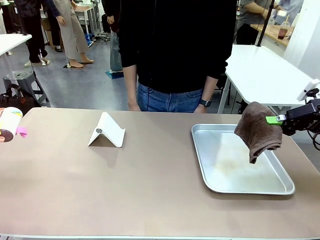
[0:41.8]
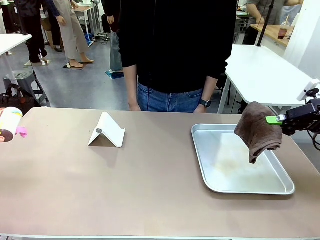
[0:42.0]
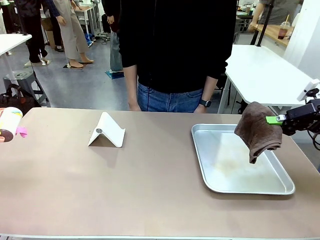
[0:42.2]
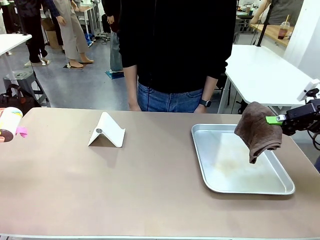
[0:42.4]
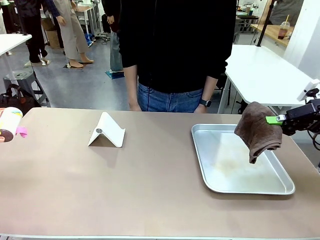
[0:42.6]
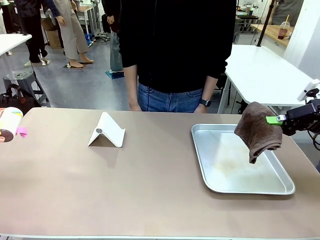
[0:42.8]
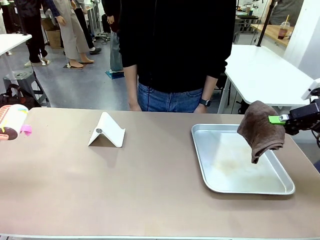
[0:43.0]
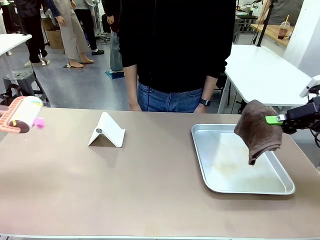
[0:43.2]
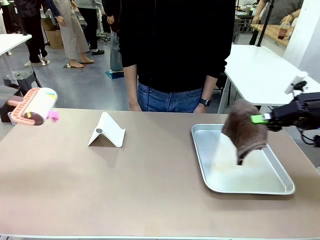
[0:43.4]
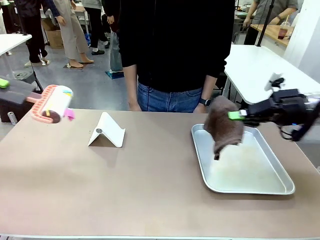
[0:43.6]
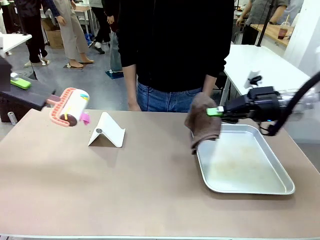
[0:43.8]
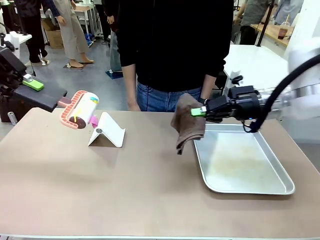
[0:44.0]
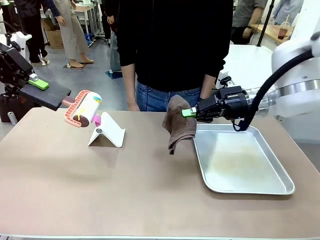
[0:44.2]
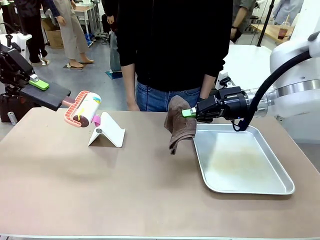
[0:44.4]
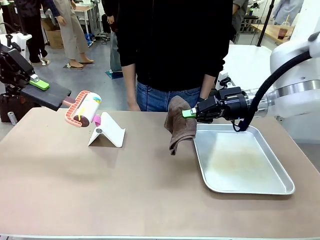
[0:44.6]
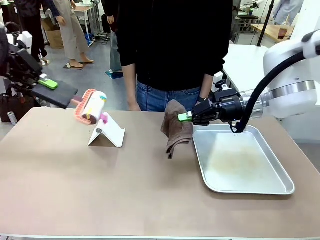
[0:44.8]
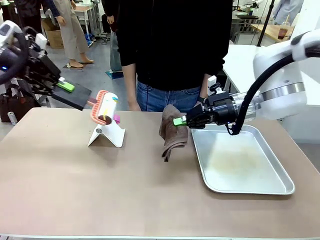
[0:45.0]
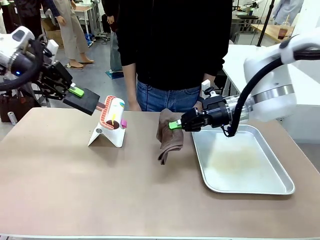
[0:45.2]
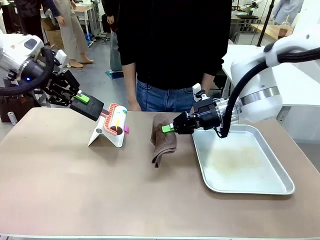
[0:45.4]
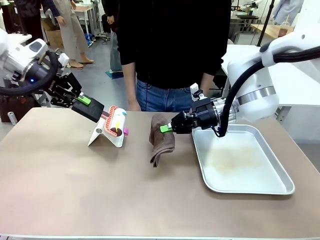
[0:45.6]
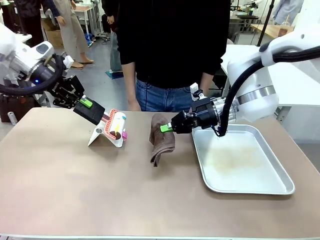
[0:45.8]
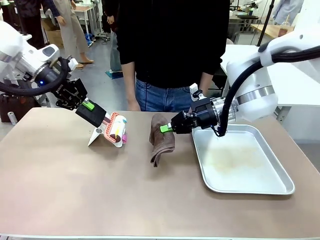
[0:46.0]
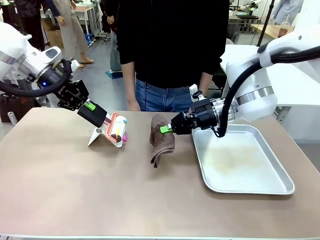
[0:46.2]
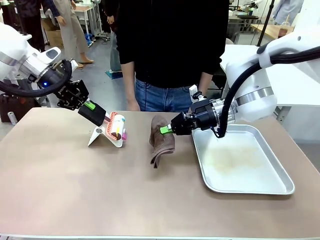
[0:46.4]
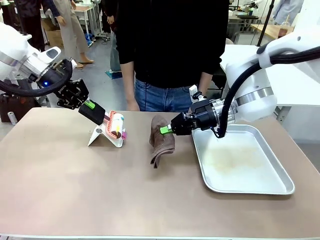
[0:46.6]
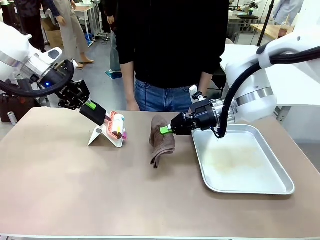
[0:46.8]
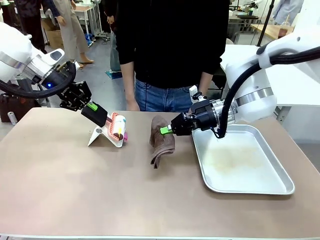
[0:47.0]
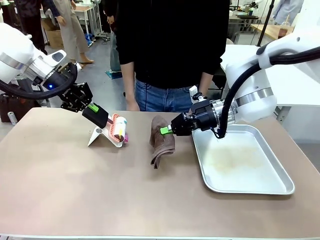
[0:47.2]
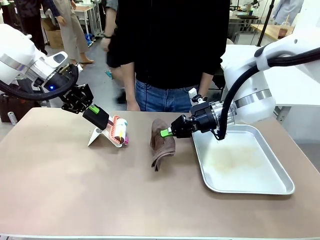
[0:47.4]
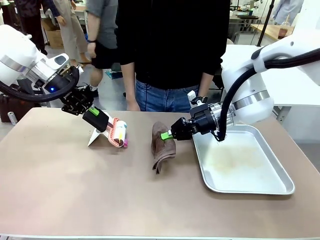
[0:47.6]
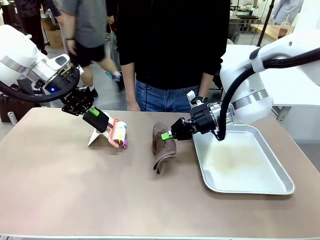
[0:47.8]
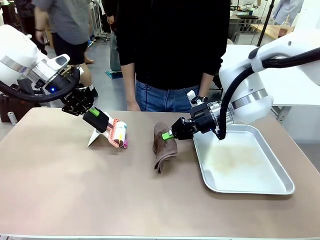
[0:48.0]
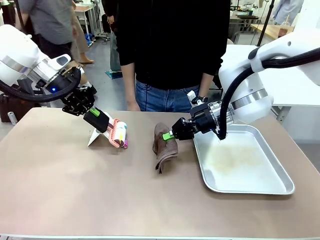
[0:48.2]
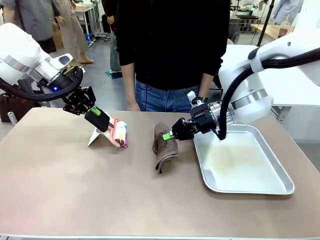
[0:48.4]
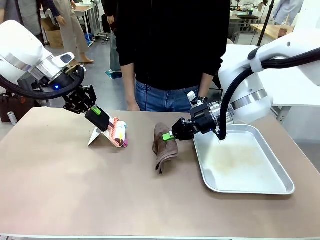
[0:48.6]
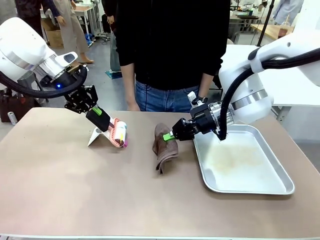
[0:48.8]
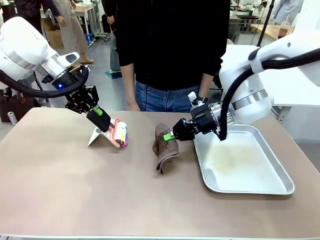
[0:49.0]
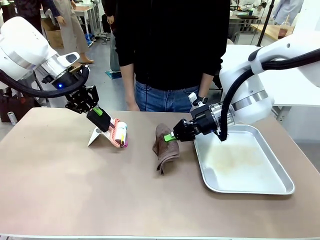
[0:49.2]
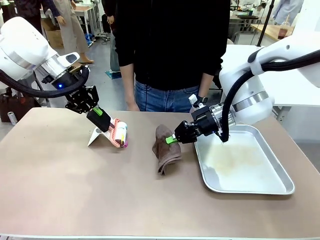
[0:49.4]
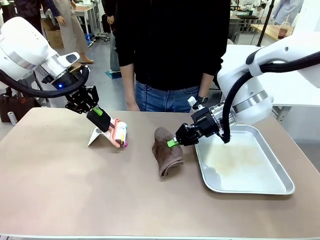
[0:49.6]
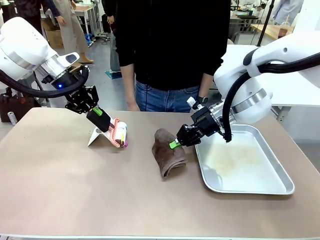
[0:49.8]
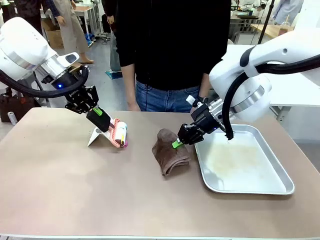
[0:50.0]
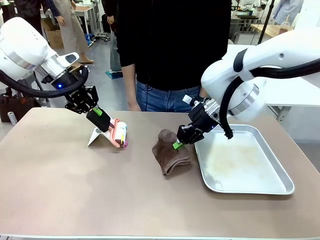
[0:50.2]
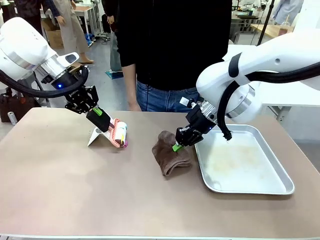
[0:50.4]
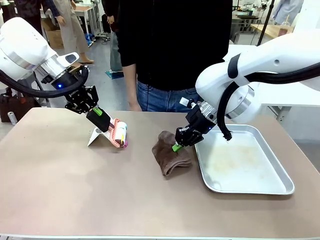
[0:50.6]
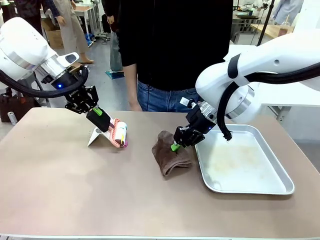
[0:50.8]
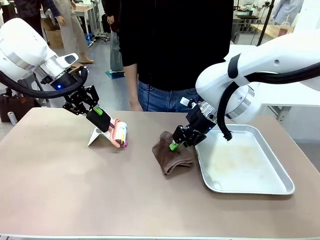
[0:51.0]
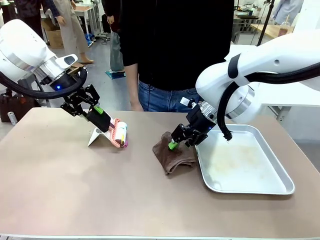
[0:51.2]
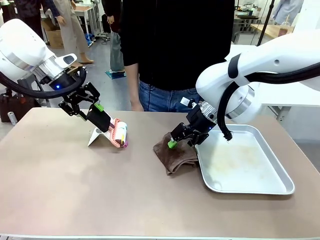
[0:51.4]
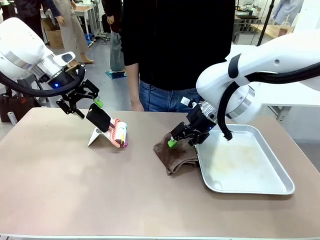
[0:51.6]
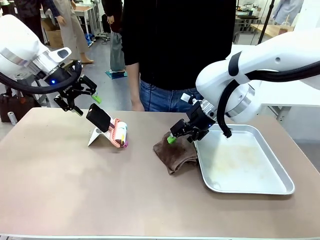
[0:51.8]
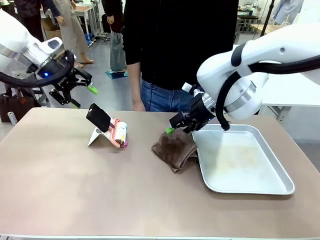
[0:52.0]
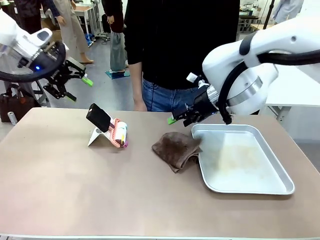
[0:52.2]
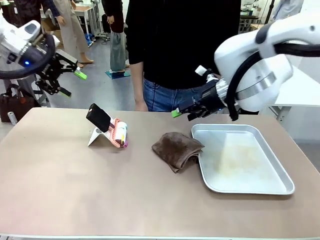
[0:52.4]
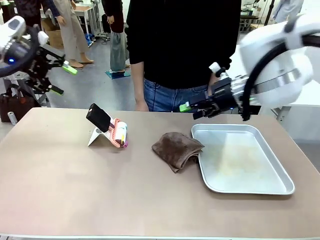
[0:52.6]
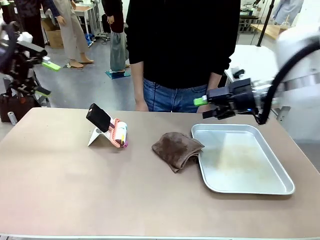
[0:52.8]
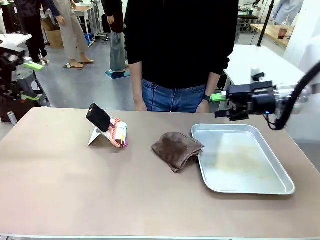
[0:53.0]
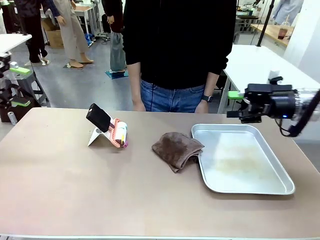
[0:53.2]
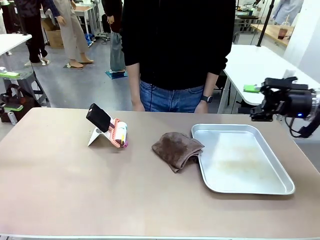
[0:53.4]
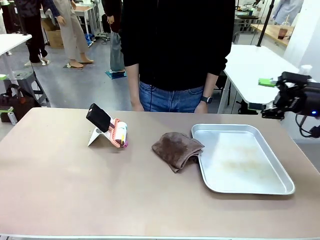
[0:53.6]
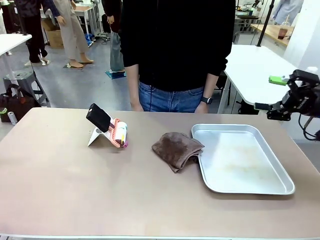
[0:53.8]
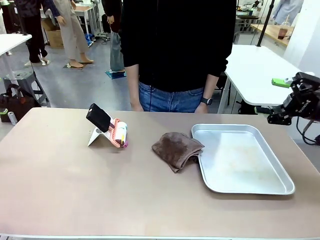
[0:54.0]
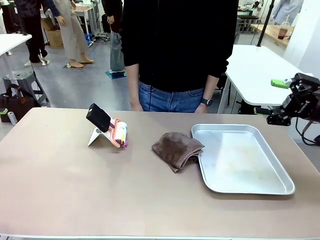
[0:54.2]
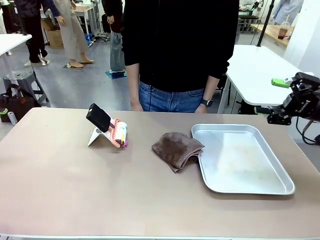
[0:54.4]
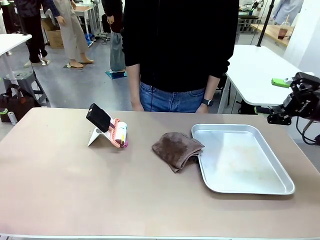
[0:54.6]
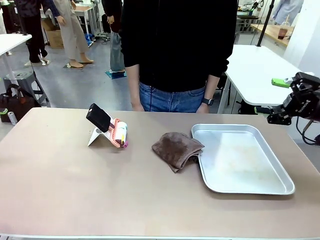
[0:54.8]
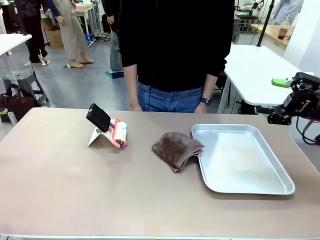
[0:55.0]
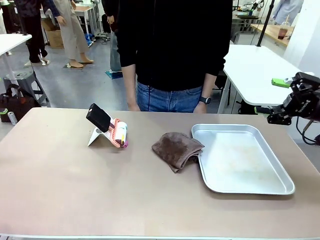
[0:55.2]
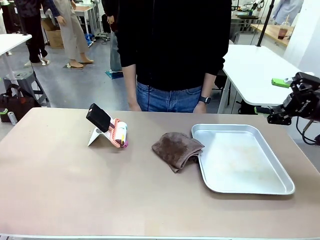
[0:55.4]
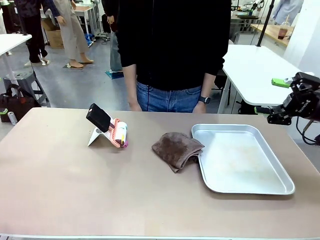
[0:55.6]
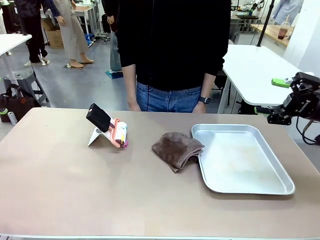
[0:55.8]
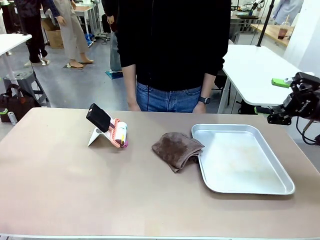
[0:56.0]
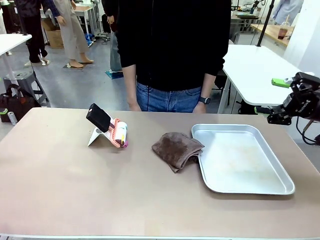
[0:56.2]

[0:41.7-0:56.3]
Task: Clean the surface of the table.
Robot: Return the Lint Roller and towel to their original positions.

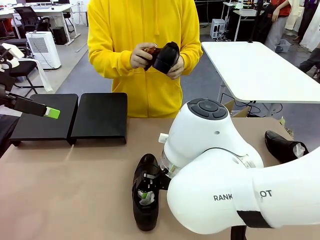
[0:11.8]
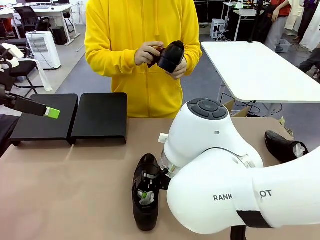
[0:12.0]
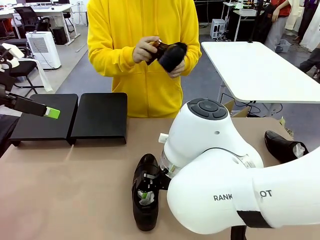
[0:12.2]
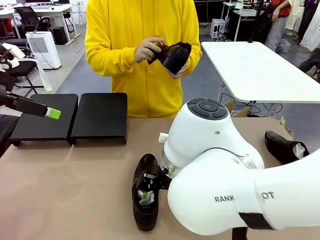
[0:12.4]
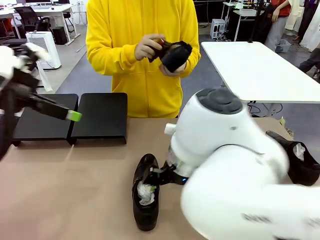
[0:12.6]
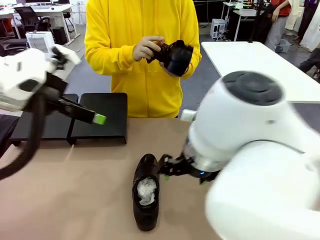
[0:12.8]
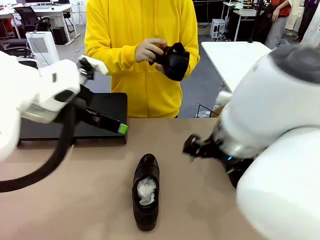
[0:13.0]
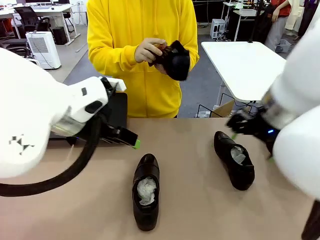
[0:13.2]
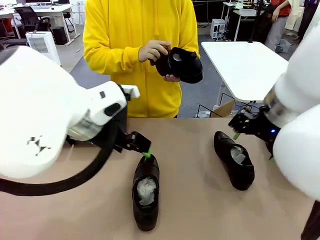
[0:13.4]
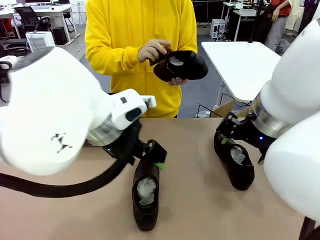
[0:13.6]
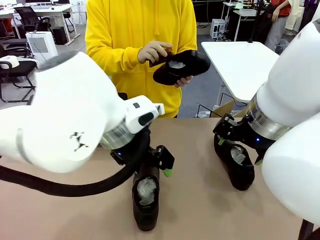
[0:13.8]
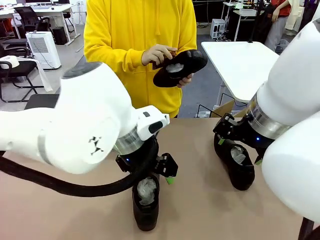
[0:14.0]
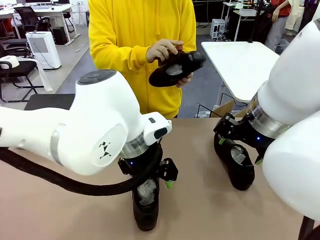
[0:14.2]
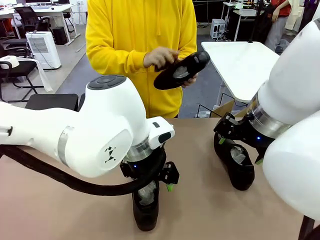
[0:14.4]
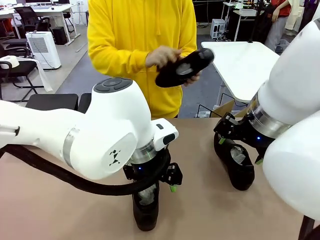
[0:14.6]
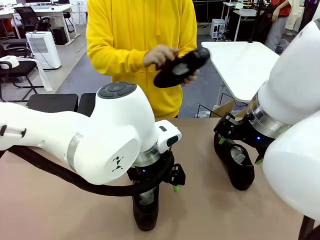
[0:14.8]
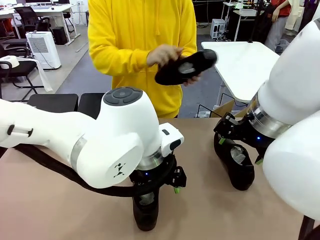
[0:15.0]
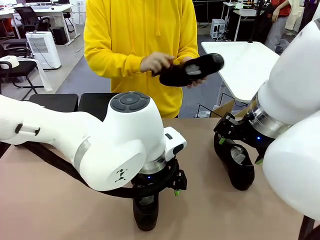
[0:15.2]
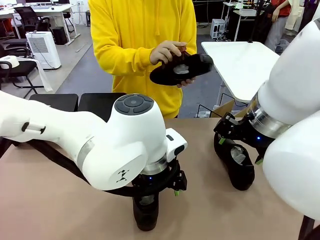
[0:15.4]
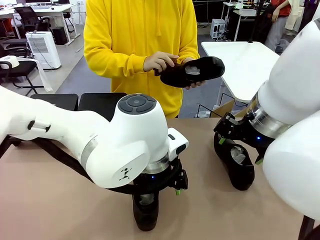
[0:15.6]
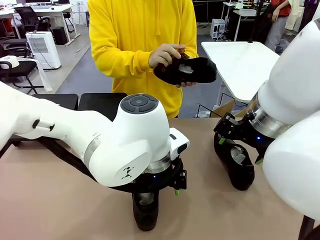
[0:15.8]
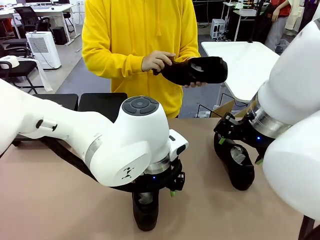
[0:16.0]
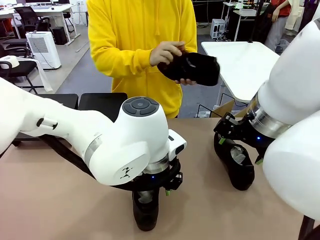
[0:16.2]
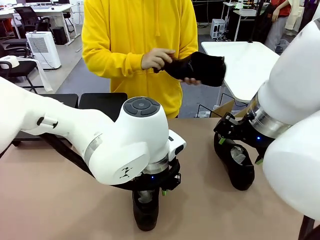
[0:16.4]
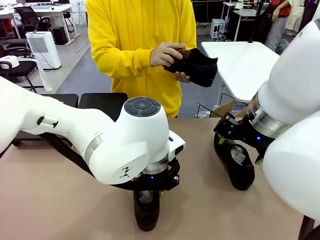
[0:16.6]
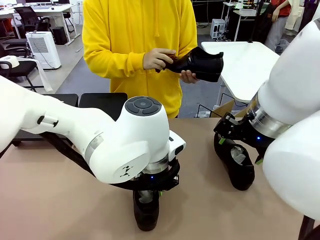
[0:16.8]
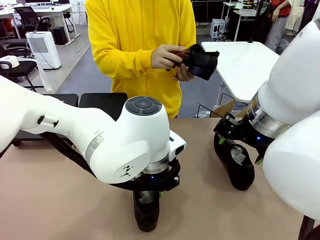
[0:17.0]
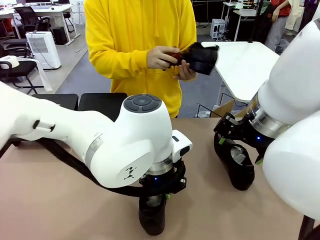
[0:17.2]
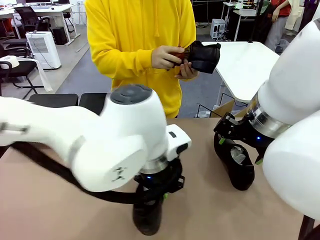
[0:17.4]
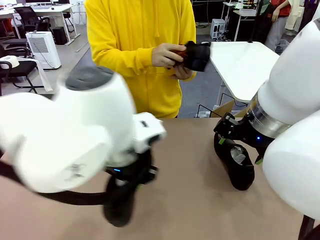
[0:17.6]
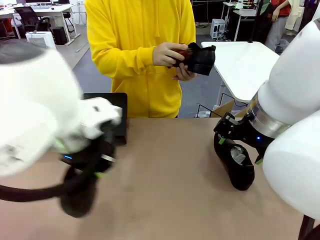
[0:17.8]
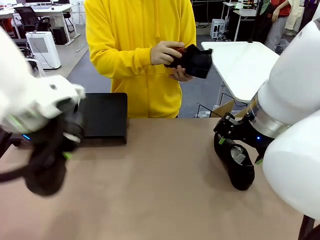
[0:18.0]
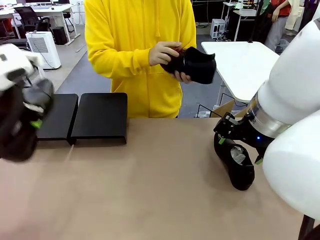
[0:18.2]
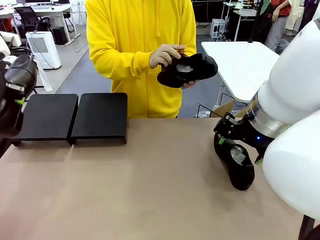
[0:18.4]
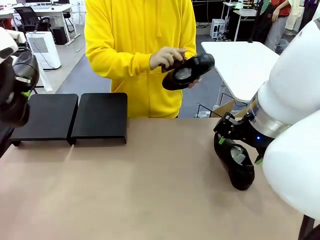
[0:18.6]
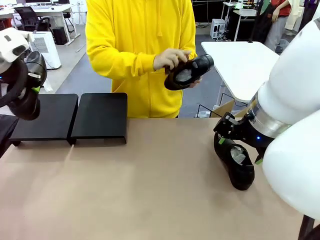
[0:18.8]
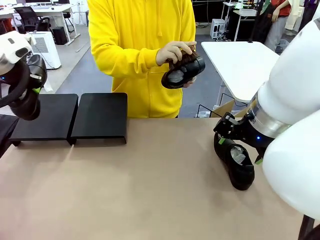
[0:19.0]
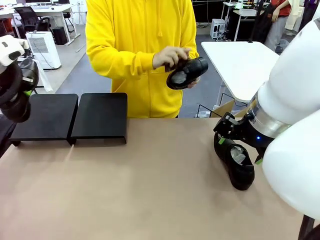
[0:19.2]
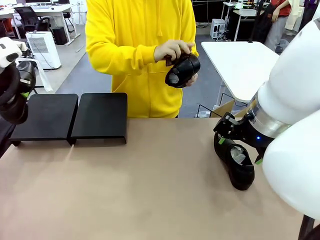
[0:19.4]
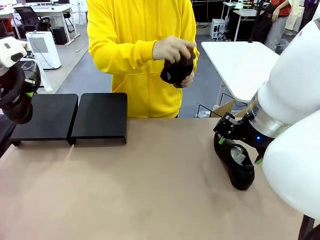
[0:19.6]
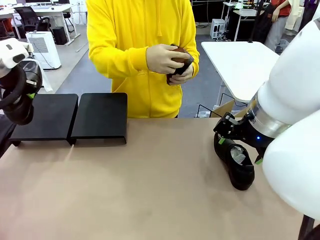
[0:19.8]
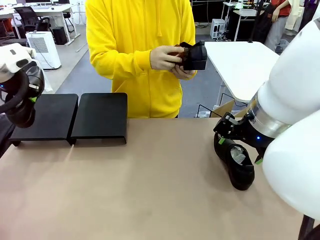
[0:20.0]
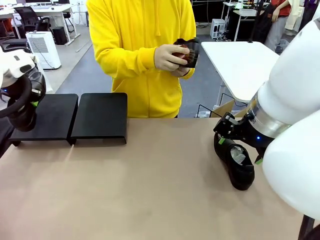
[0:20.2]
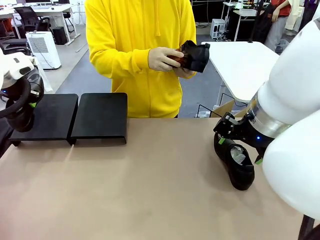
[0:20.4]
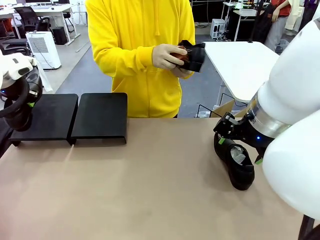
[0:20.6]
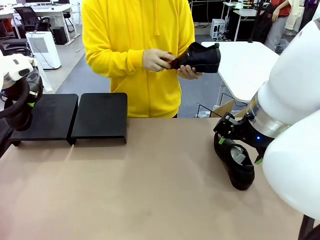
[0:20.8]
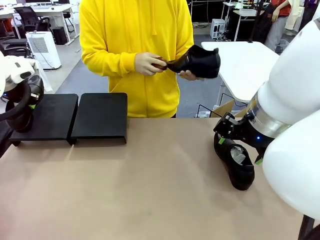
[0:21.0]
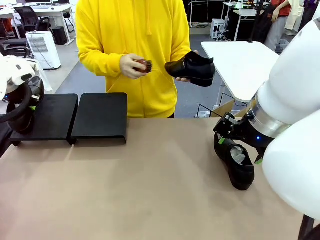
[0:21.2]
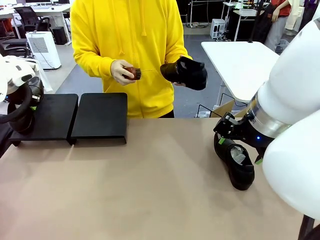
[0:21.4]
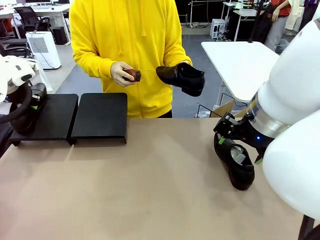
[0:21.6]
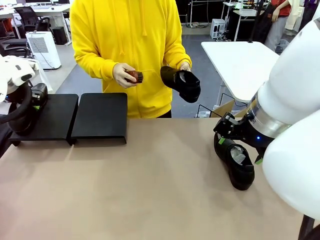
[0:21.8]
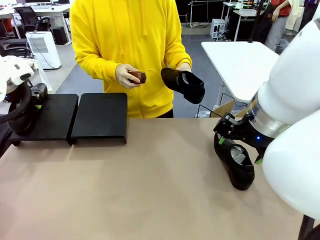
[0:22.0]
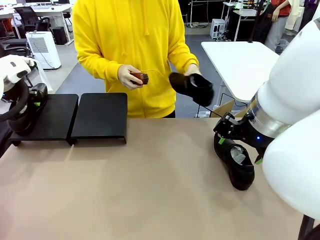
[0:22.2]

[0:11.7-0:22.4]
Task: Organize the shoes by placing them on the stand.
Robot: Place the Shoe from the middle of the table onto the Shoes Stand.
Person: Clean the Shoe with the Shoe Brush.
